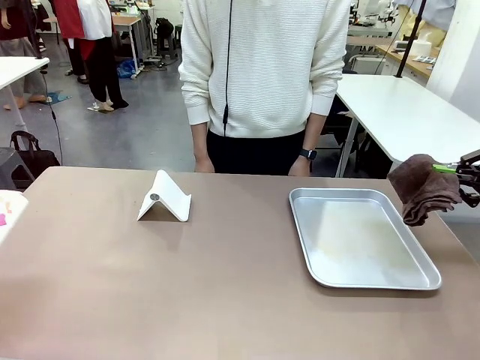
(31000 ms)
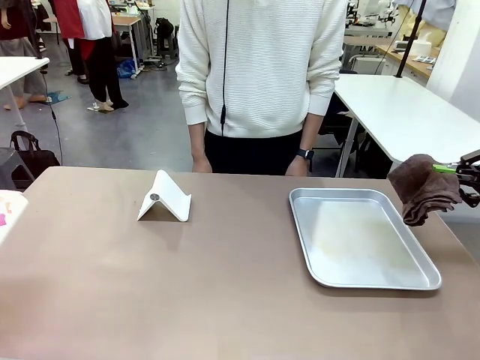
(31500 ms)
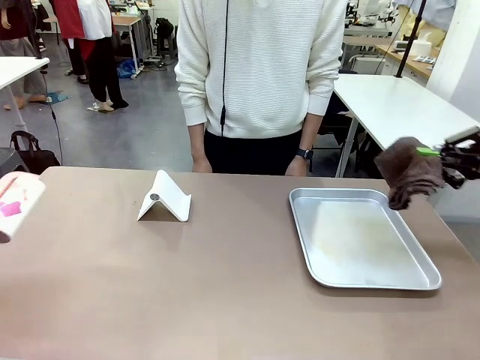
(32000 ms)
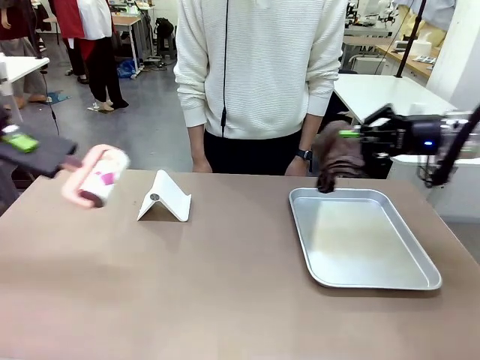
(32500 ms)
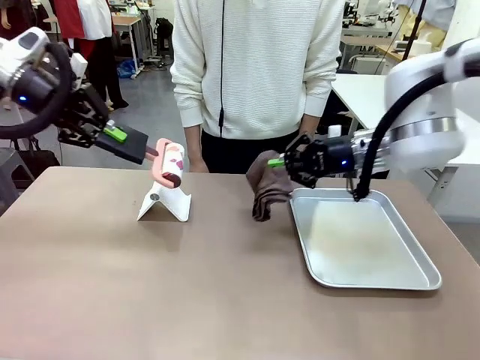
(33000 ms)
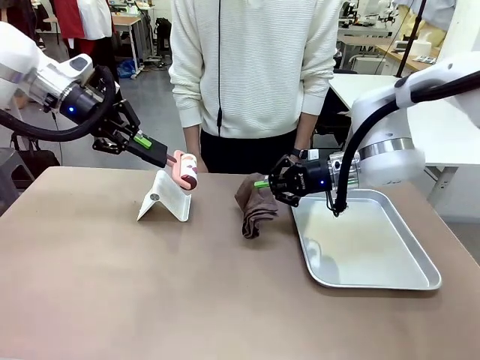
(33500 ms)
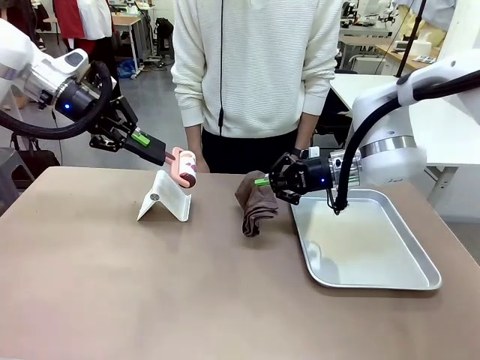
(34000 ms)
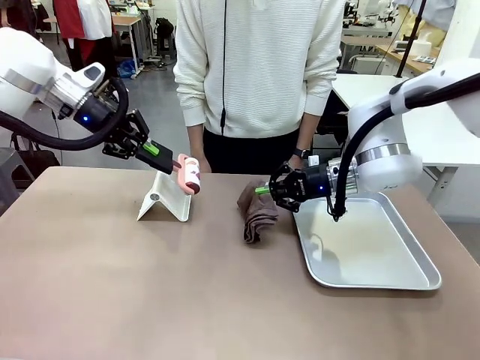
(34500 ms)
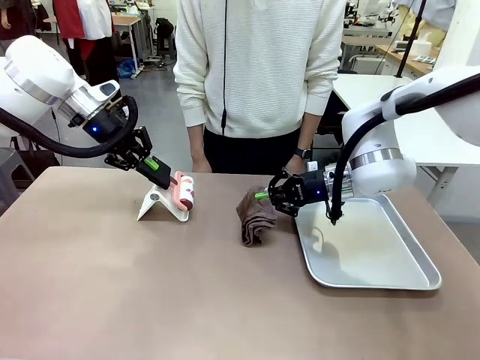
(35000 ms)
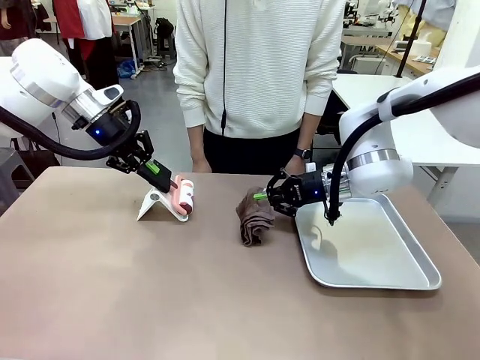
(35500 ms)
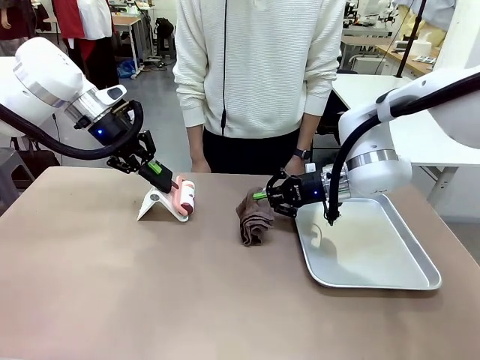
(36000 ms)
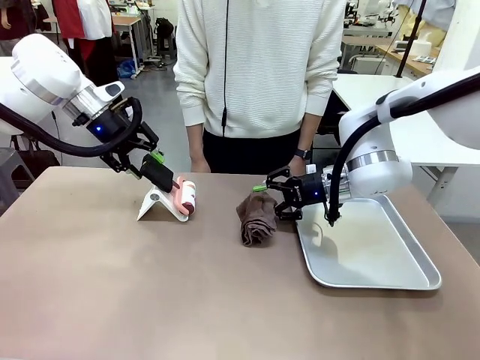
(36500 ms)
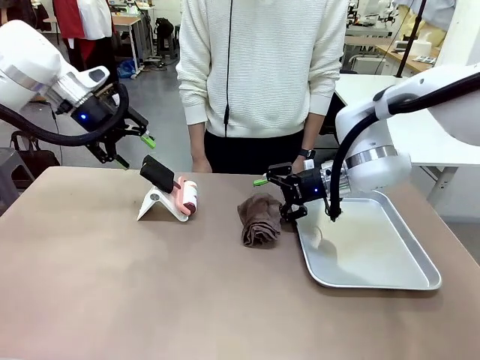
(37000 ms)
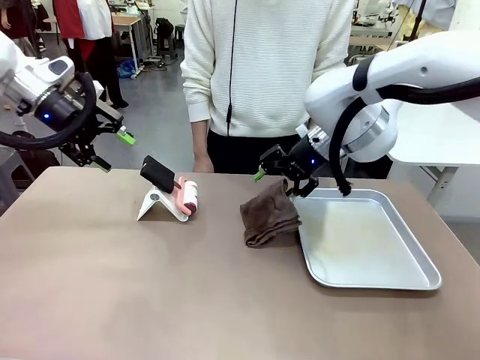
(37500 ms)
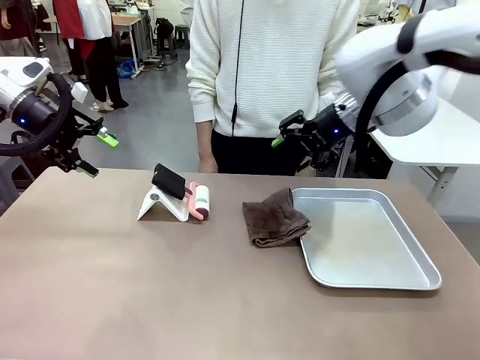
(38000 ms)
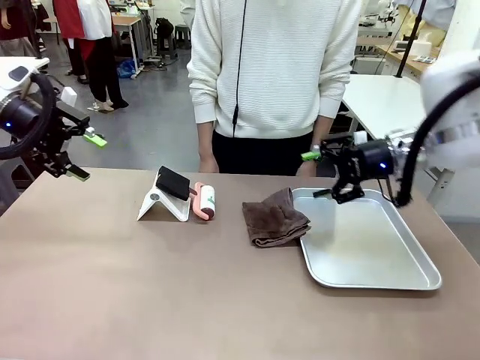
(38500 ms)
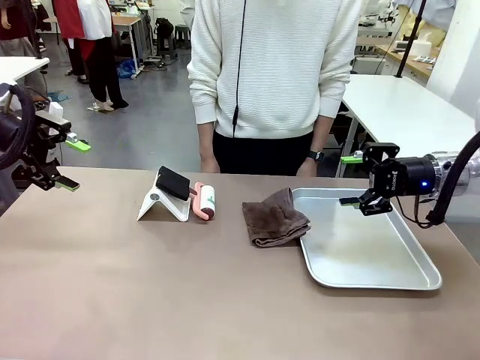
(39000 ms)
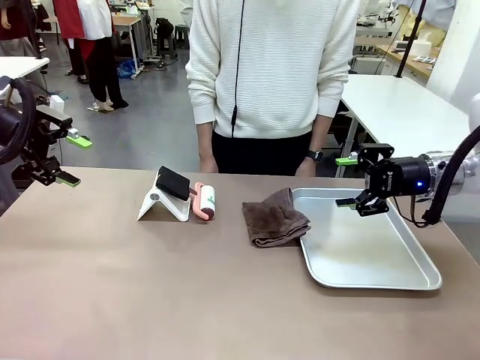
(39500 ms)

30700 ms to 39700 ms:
Task: Clean the surface of the table.
Robot: Return the Lint Roller and towel to their original positions.

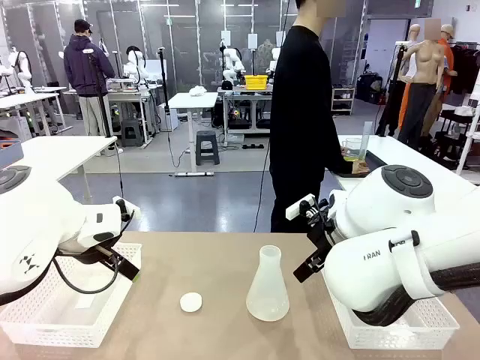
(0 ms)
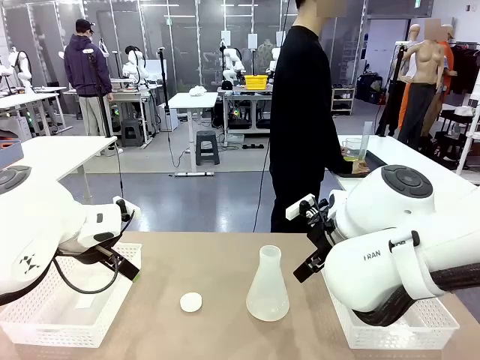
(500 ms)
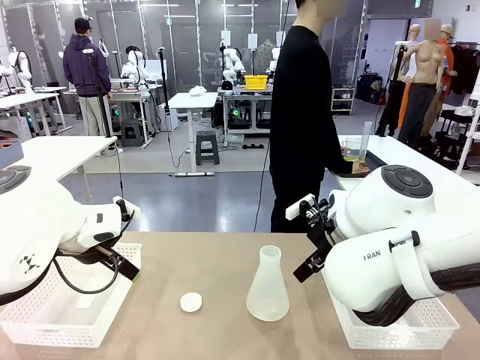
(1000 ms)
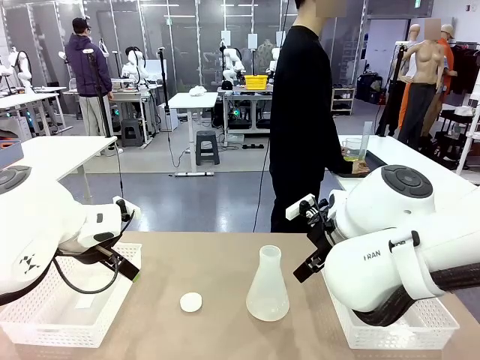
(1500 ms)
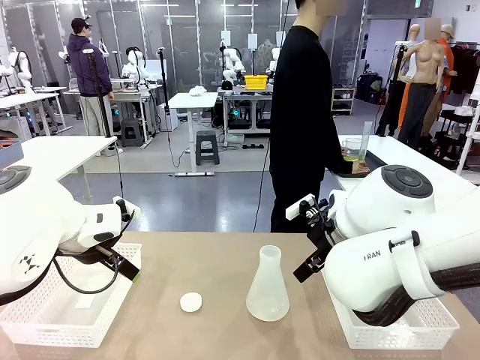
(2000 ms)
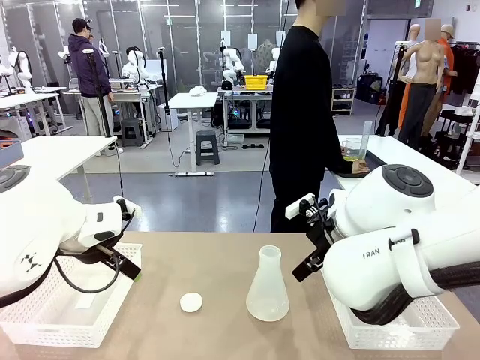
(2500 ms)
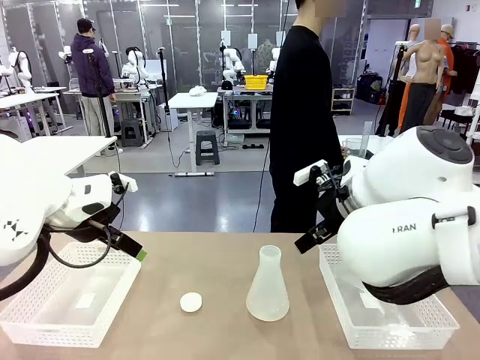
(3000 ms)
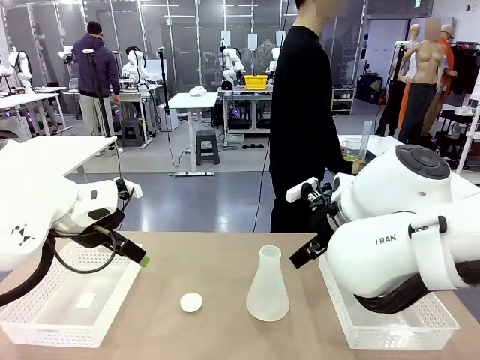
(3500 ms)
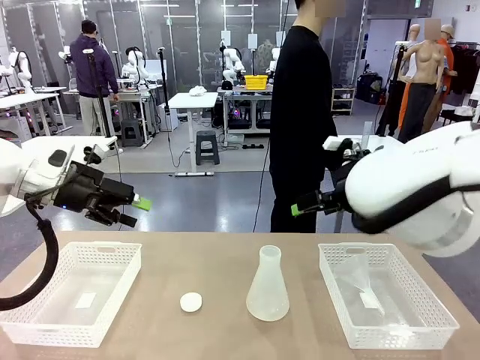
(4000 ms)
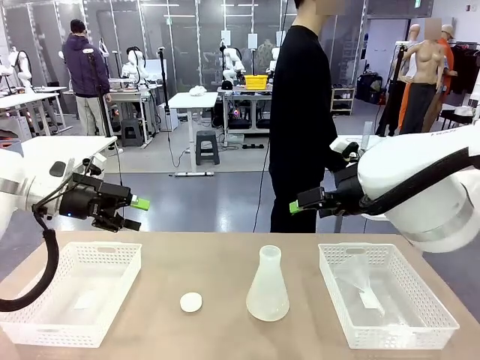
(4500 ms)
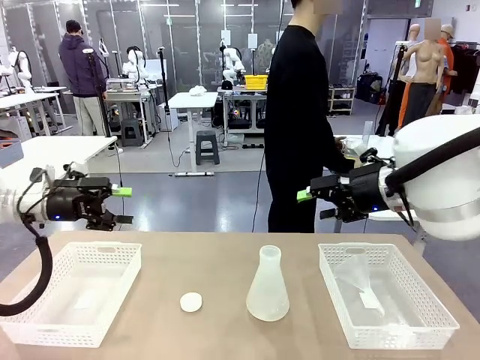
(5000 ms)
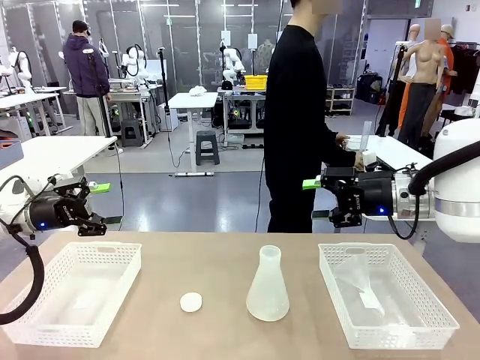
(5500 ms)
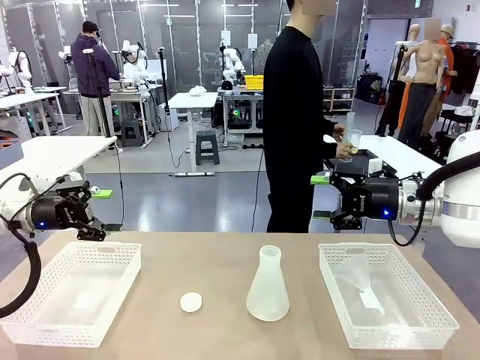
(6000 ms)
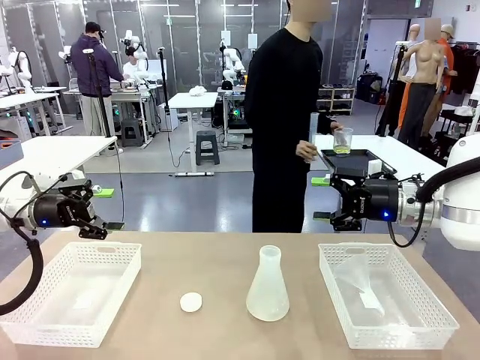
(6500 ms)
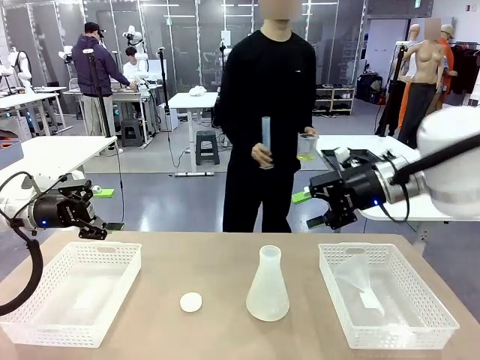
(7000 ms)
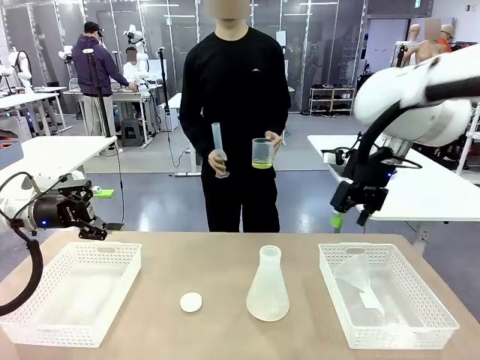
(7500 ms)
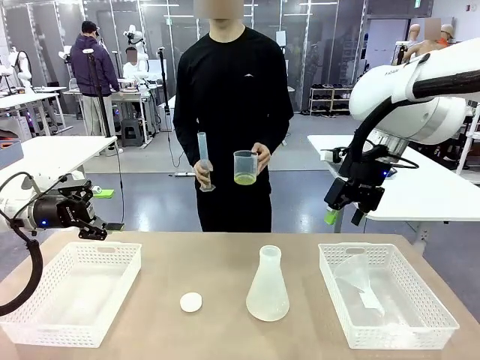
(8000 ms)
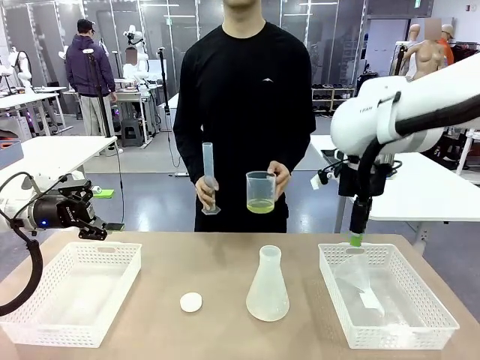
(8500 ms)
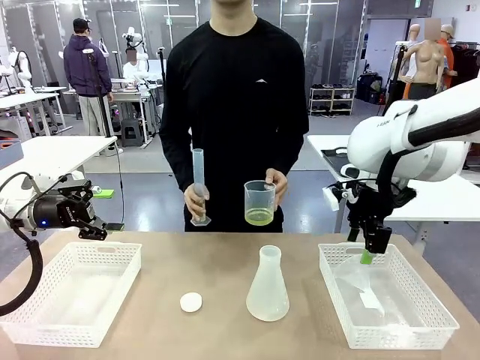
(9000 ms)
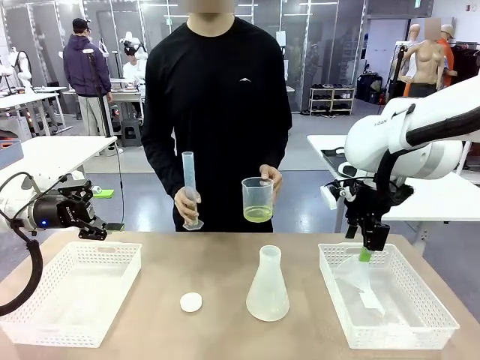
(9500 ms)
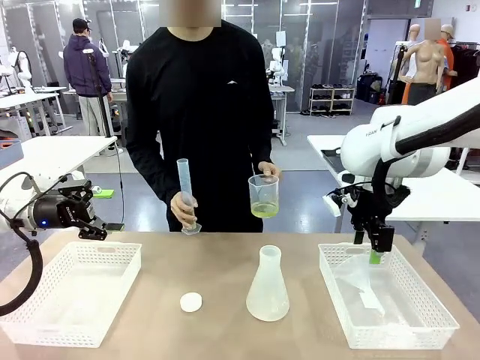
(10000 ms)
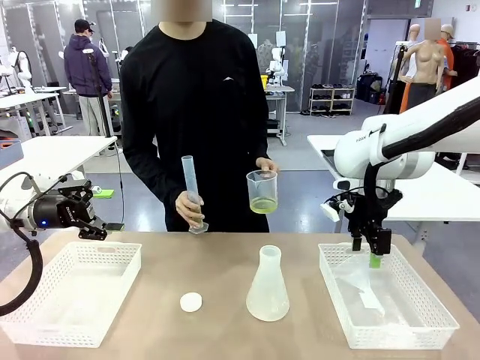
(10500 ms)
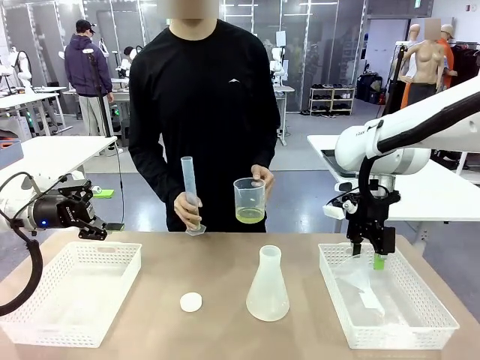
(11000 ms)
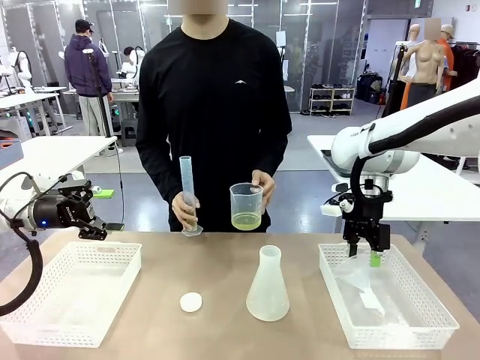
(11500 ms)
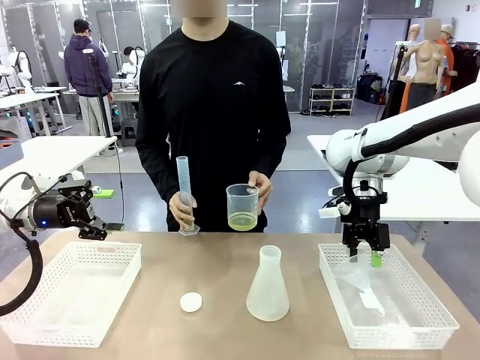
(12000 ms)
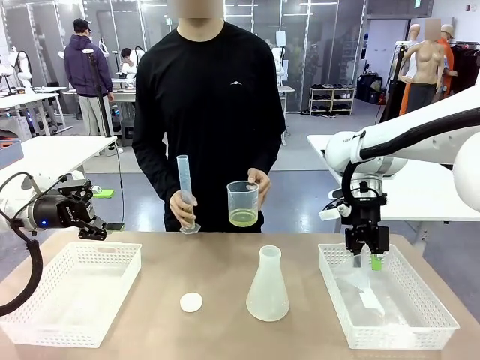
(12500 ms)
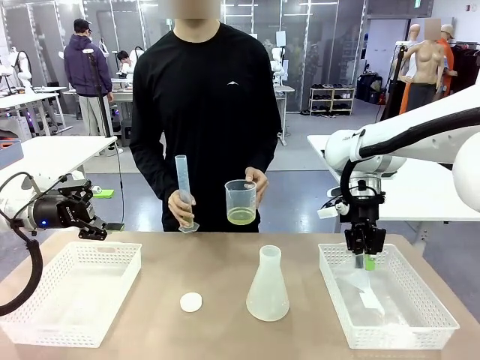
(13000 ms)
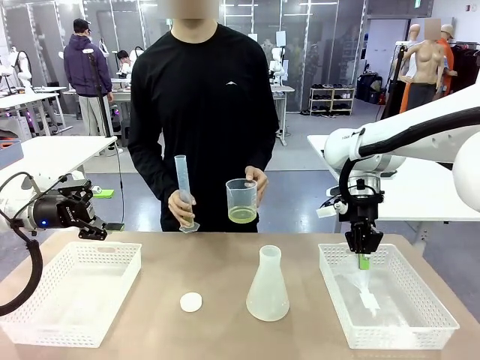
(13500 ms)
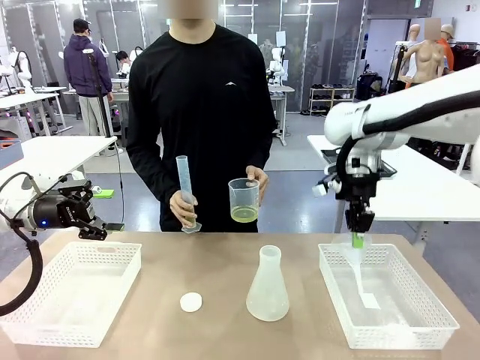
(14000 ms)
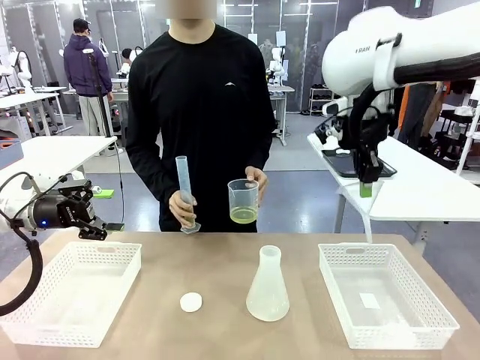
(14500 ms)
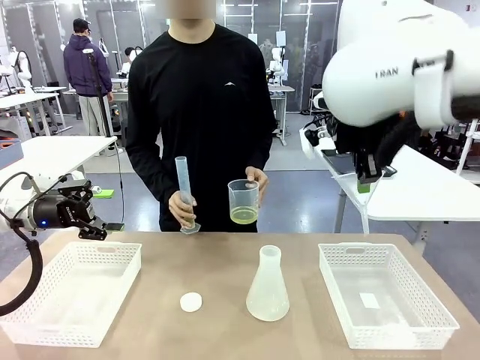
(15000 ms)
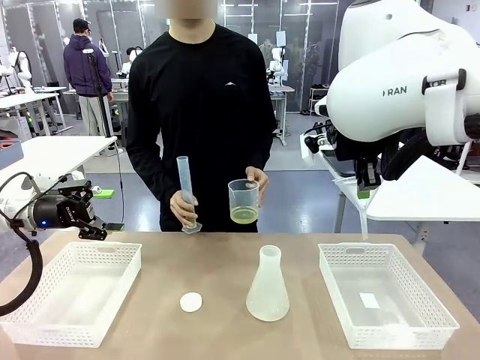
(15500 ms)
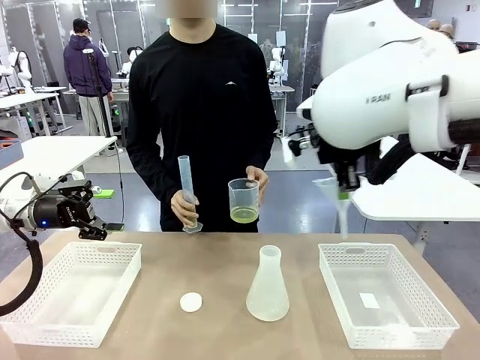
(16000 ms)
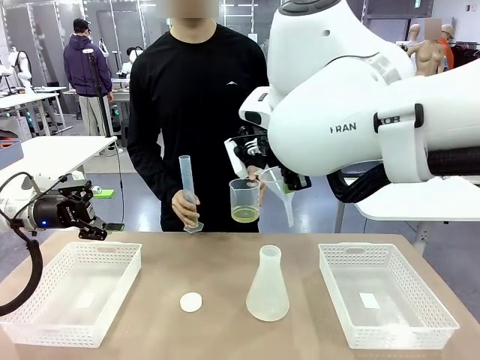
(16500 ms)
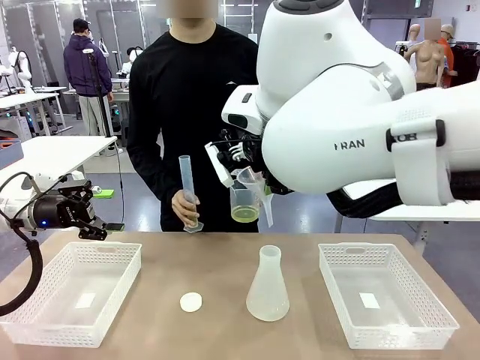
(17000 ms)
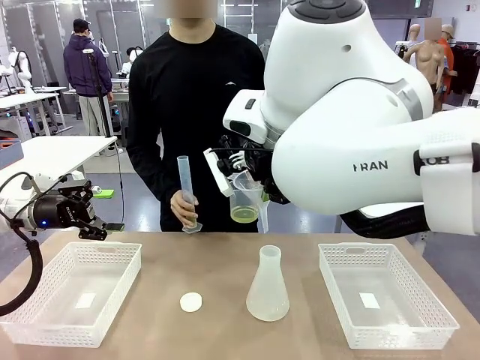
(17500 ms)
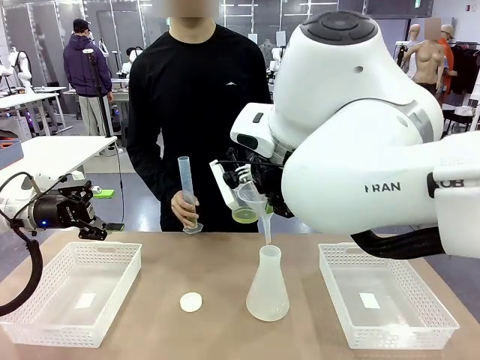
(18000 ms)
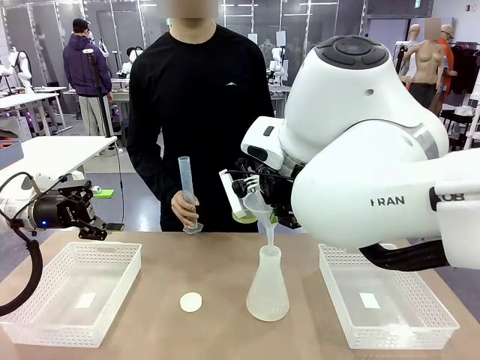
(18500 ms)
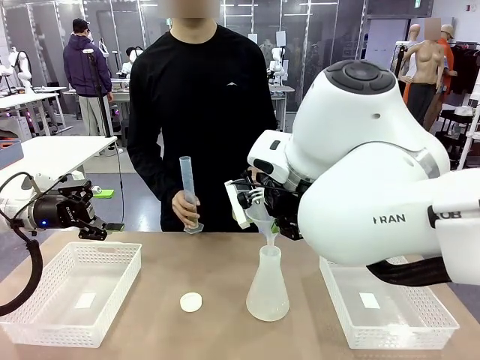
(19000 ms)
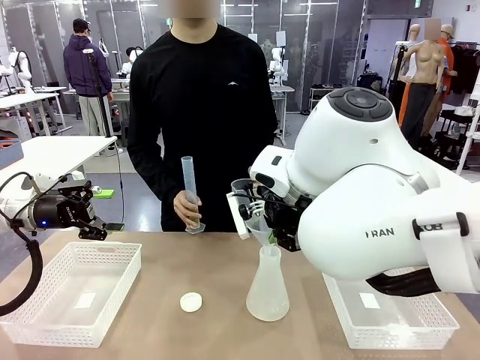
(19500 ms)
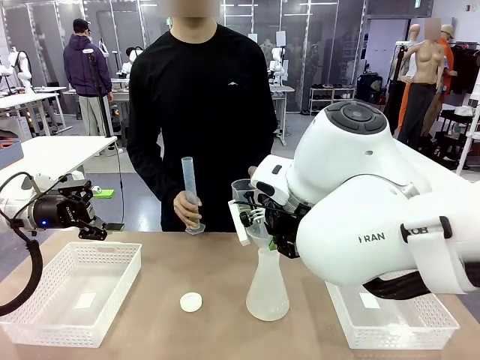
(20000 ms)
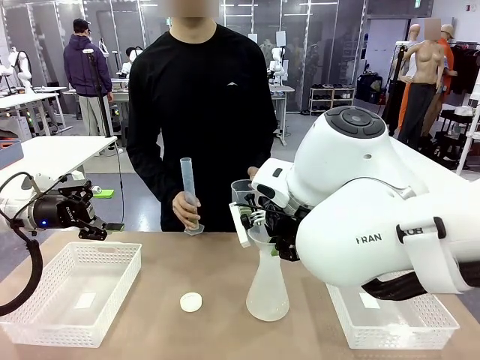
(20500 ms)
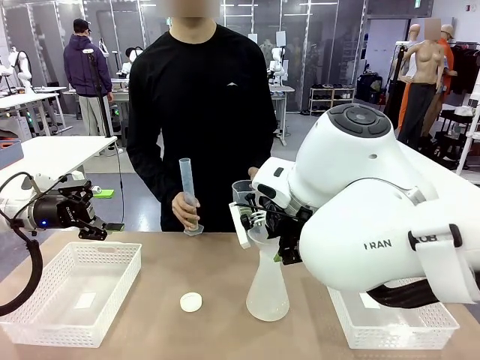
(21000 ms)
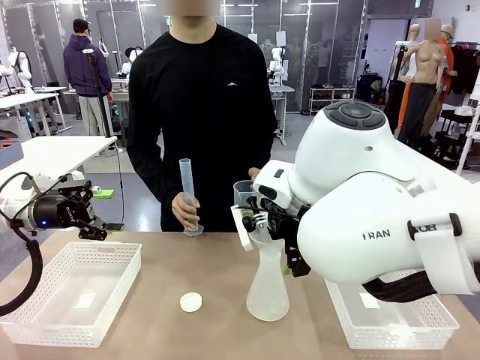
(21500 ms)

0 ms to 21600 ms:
Task: Prepare the solutions needed for the experiment.
Robot: Pick up the Plastic Funnel and insert it into the Big flask.
Person: Pick up the beaker and the cylinder and move to the middle of the robot table. Pour the solution from the beaker and the cylinder into the flask.
